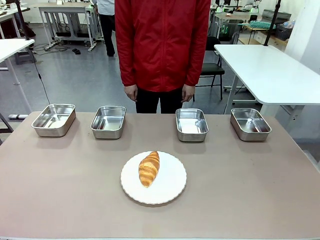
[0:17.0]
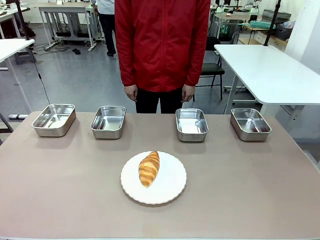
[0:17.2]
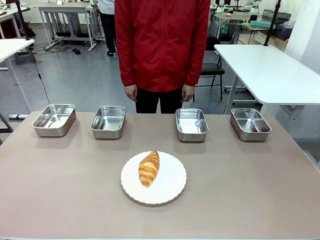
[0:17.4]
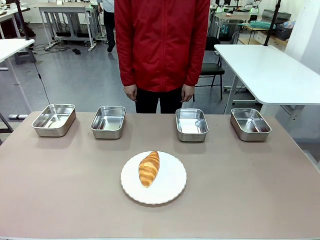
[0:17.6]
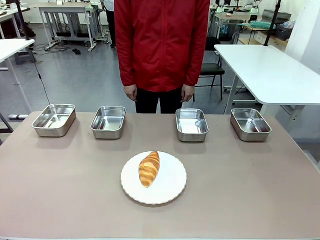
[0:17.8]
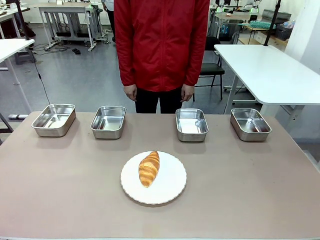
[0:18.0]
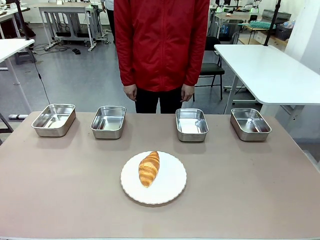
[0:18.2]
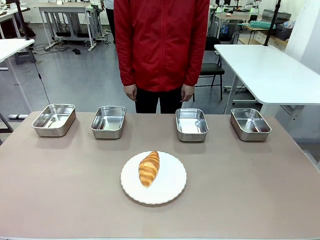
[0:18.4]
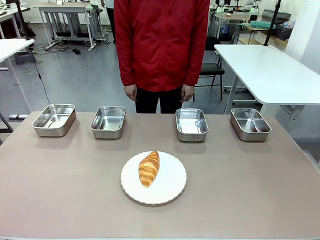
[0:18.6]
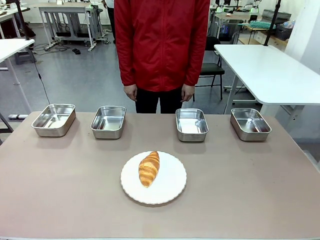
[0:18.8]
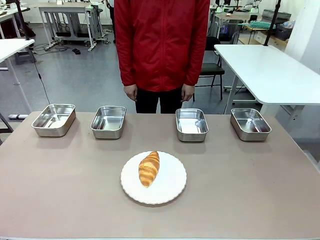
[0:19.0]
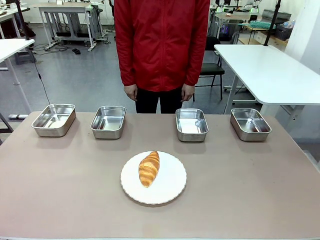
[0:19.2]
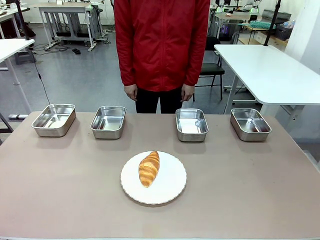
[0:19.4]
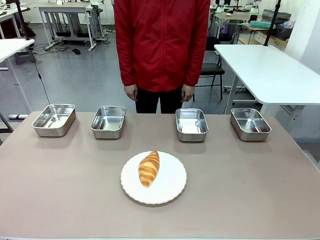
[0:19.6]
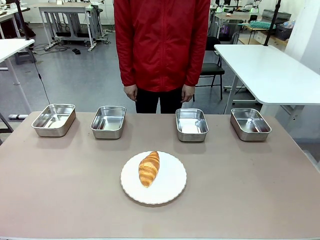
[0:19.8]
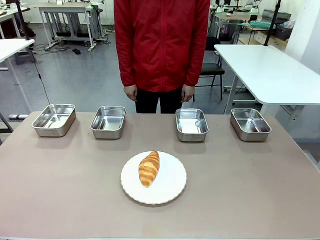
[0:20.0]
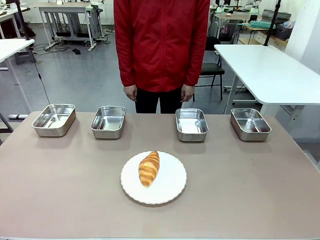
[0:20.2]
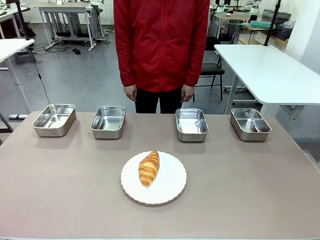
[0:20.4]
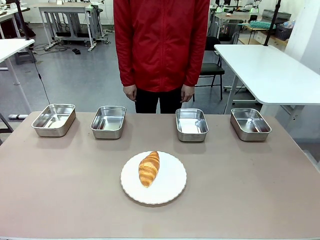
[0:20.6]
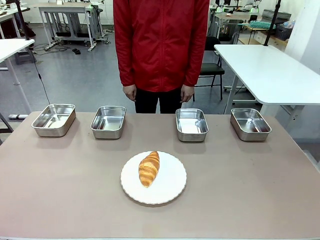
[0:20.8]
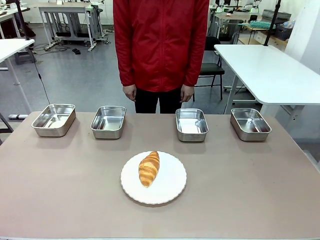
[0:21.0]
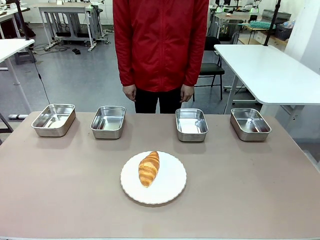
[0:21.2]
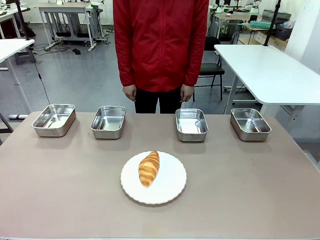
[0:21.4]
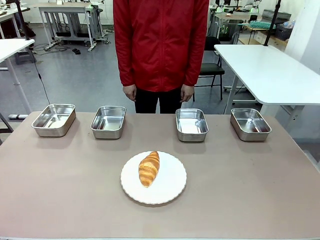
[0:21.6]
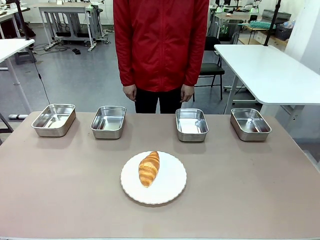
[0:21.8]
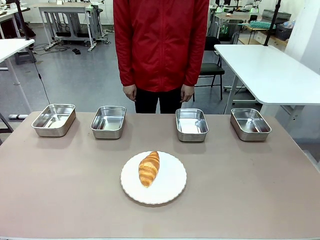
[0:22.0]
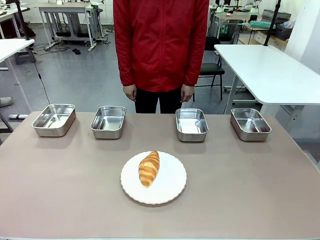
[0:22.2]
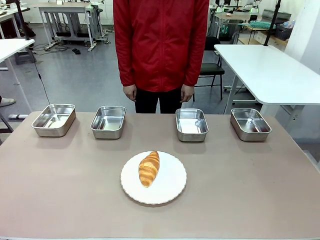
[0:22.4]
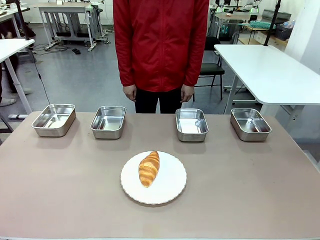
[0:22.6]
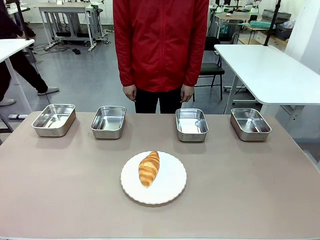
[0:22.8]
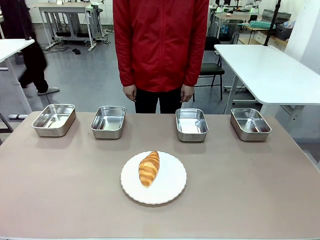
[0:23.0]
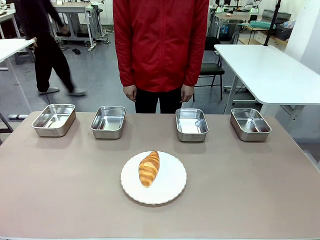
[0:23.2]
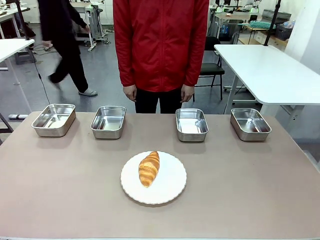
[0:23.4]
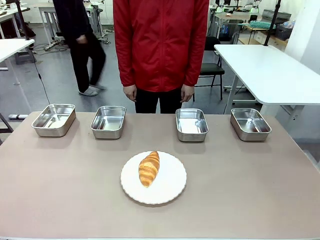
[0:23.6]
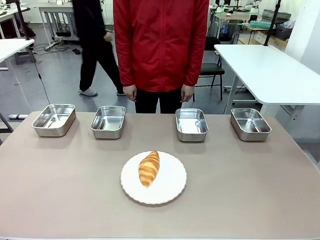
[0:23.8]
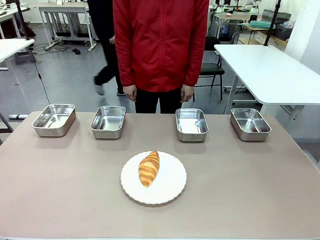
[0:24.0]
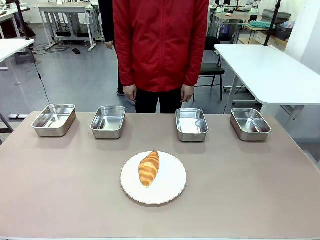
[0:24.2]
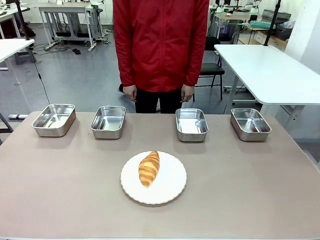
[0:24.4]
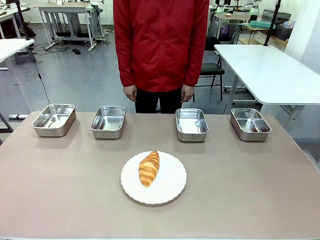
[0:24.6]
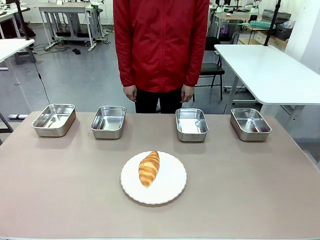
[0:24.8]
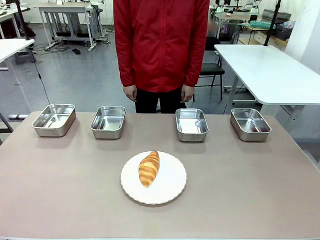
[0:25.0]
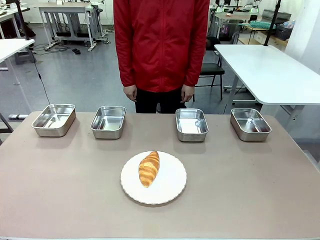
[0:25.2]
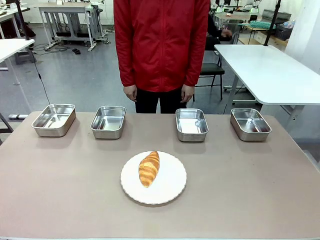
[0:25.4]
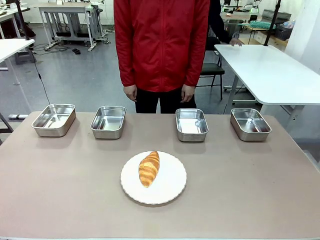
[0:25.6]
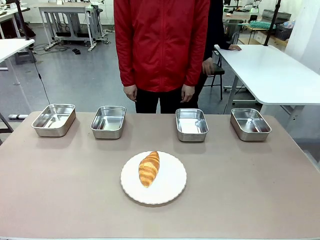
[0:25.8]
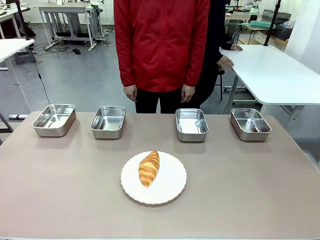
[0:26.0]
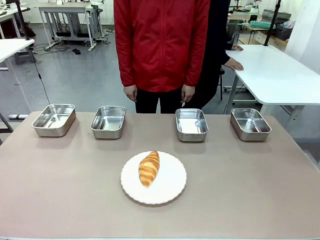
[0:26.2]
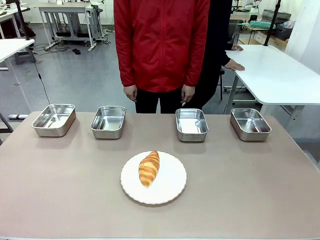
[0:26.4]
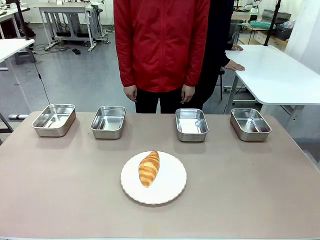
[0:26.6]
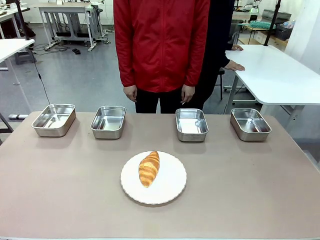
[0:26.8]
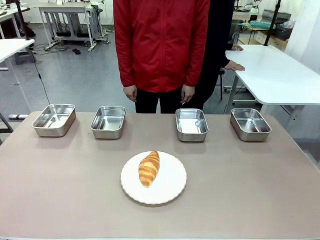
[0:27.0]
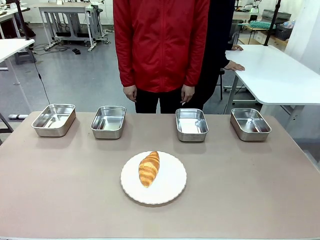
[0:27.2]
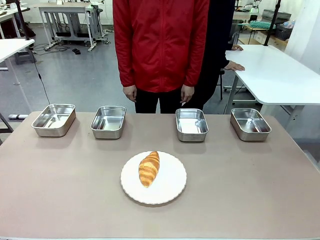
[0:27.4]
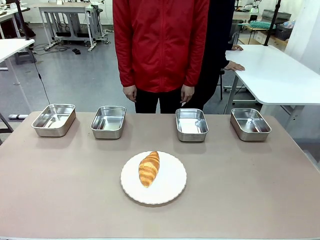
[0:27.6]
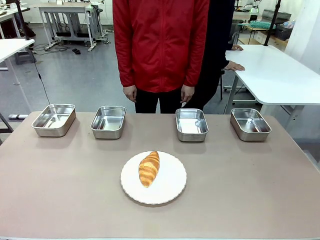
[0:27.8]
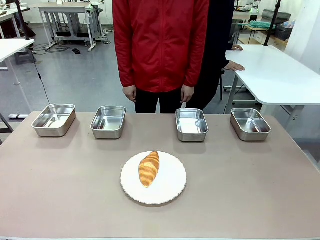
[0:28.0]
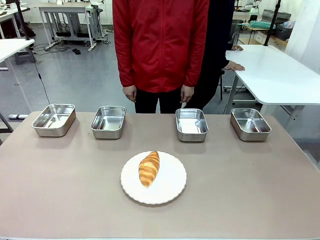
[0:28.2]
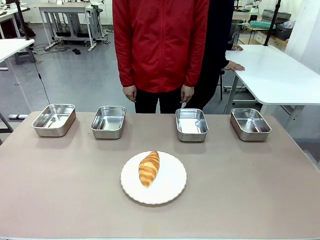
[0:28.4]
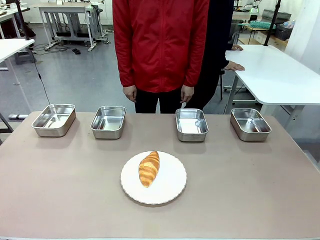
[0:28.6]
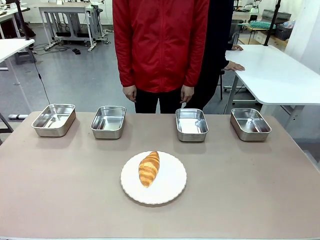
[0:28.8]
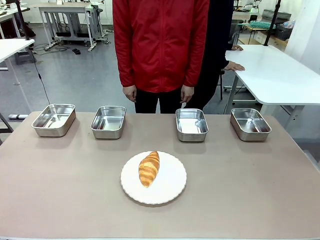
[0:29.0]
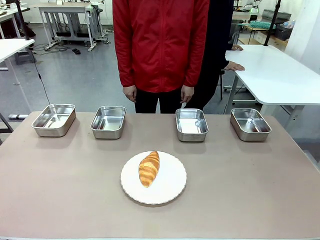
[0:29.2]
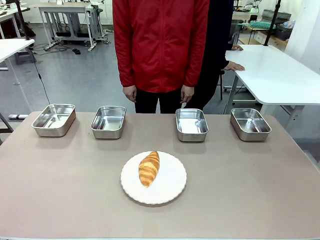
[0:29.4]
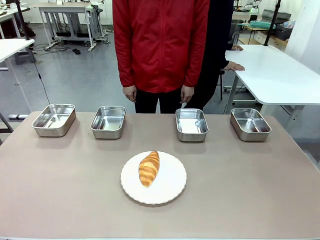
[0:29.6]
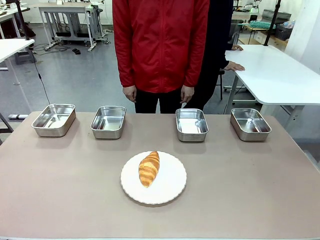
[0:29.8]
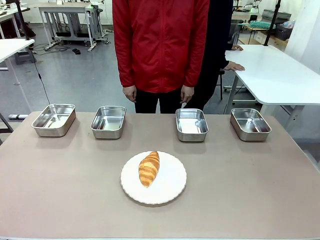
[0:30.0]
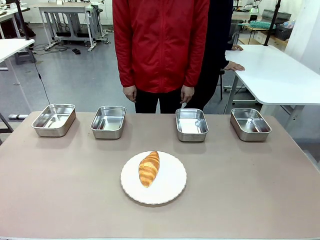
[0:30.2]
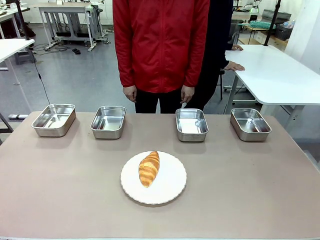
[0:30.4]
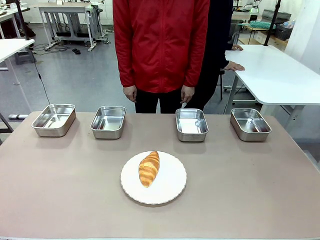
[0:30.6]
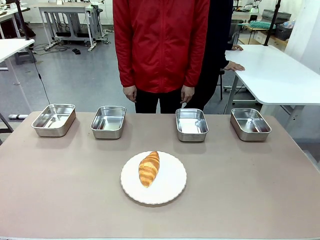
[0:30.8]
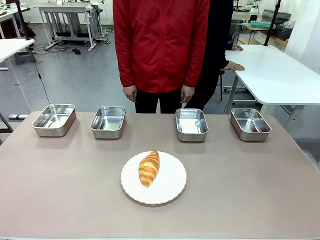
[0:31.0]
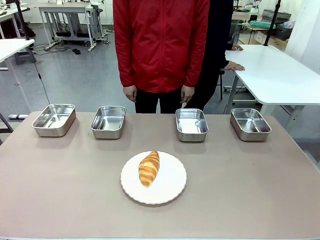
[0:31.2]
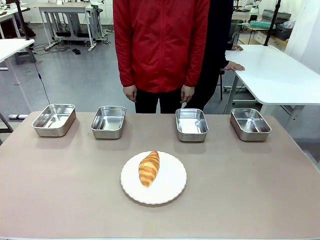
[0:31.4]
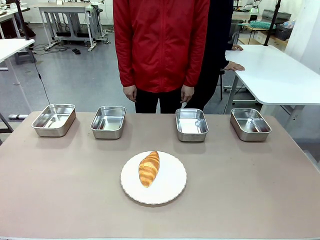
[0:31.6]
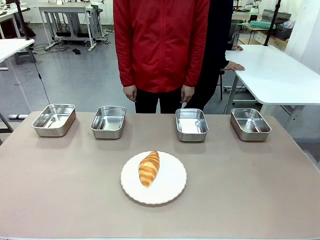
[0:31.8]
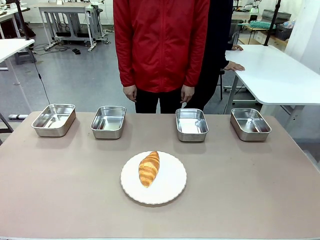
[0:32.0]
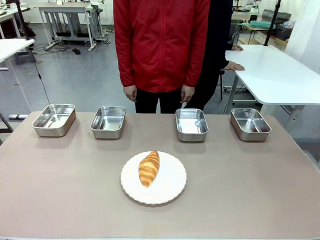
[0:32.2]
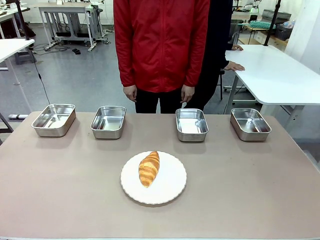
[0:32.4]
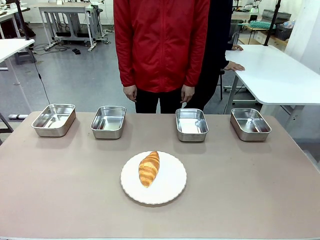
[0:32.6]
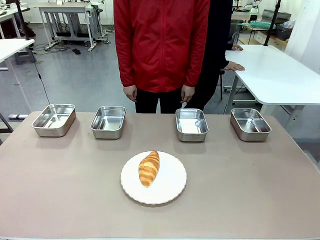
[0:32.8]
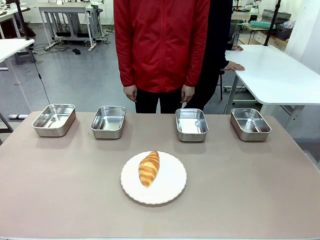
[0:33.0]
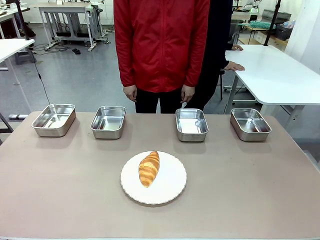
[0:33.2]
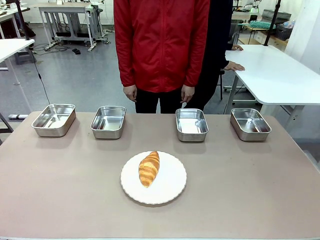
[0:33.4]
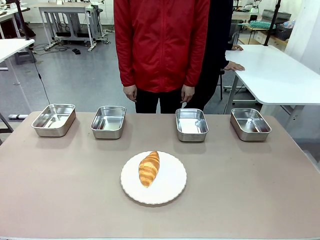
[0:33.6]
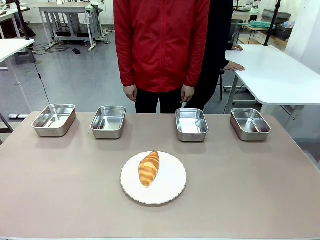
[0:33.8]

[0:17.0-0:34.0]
Task: Place the bread in the container.
Robot: Place the Butter Roll into the Airtight Container indicated by the human.
